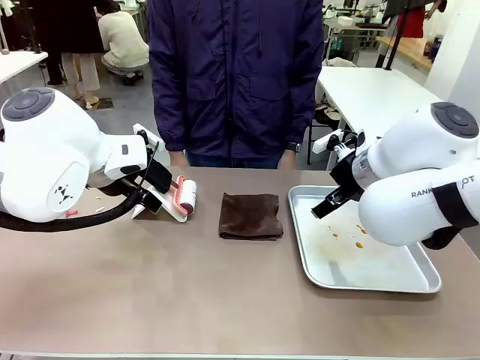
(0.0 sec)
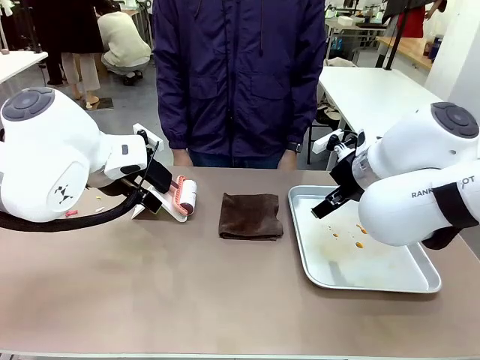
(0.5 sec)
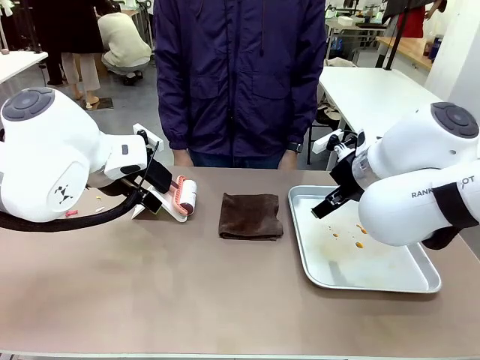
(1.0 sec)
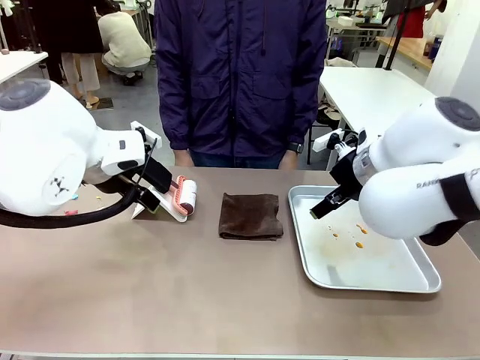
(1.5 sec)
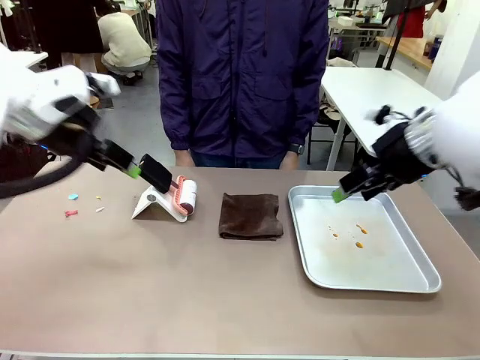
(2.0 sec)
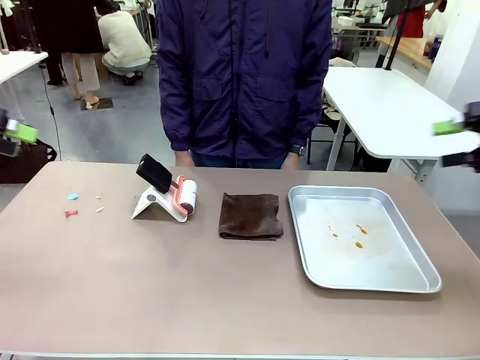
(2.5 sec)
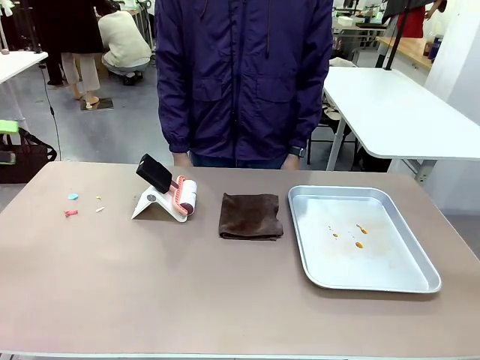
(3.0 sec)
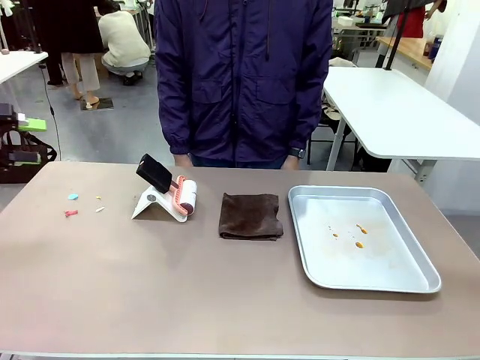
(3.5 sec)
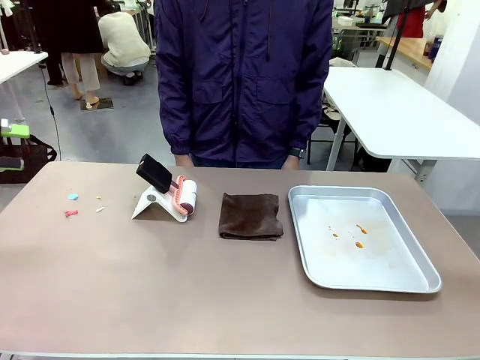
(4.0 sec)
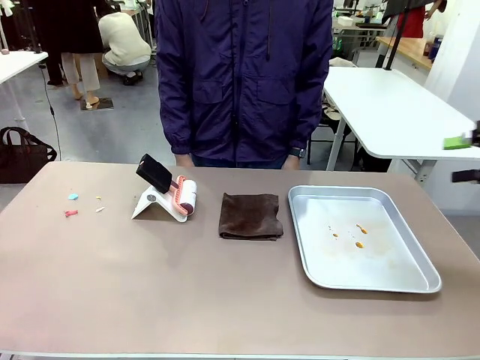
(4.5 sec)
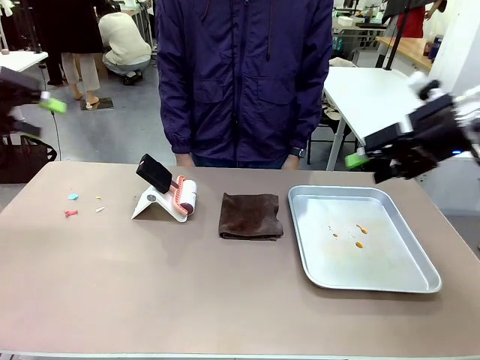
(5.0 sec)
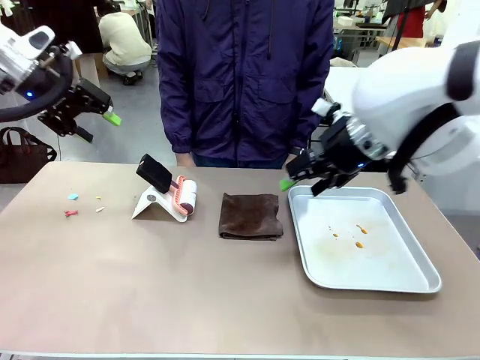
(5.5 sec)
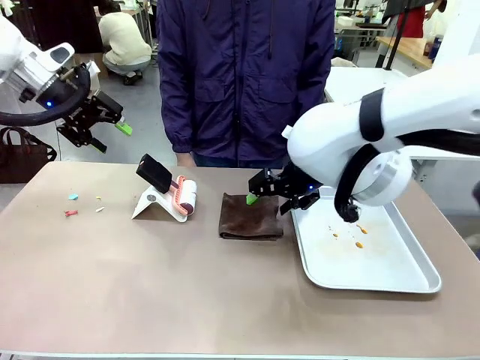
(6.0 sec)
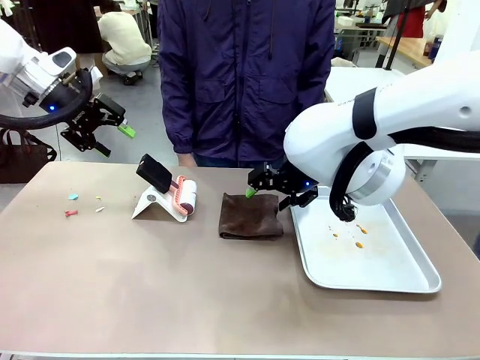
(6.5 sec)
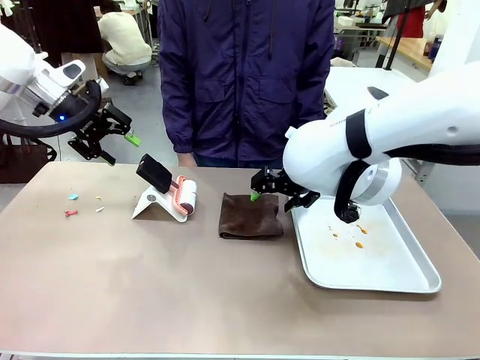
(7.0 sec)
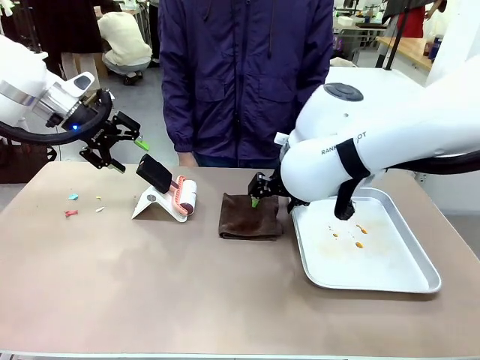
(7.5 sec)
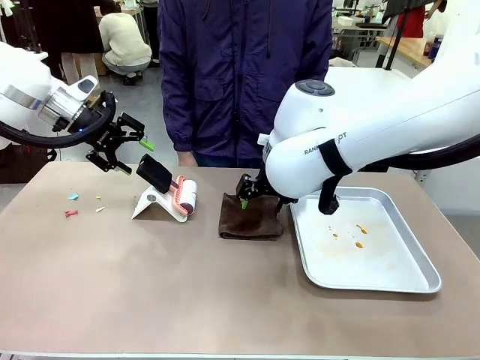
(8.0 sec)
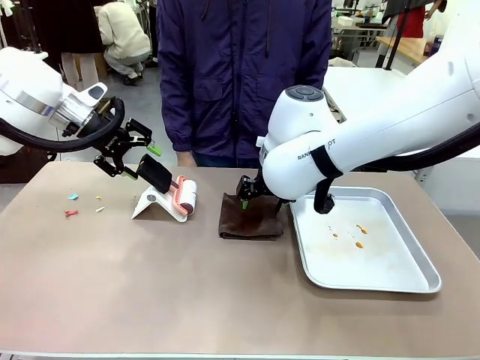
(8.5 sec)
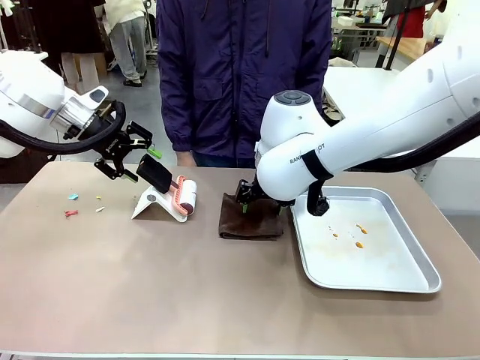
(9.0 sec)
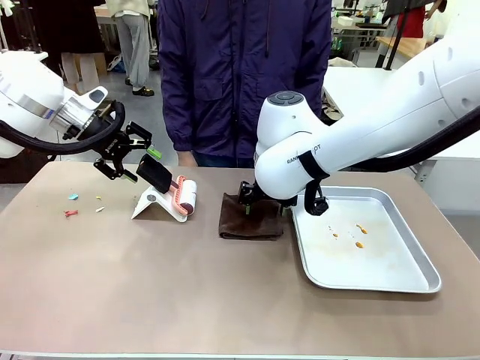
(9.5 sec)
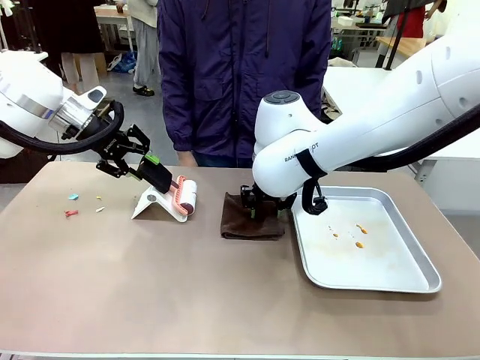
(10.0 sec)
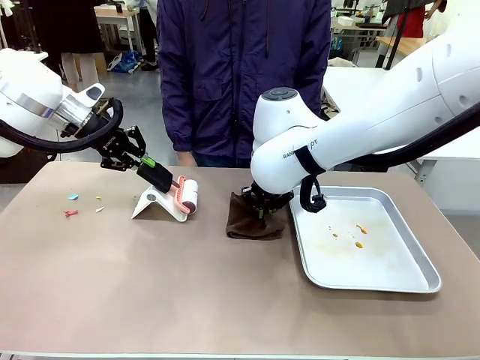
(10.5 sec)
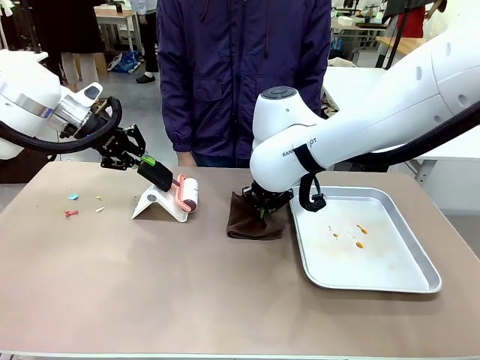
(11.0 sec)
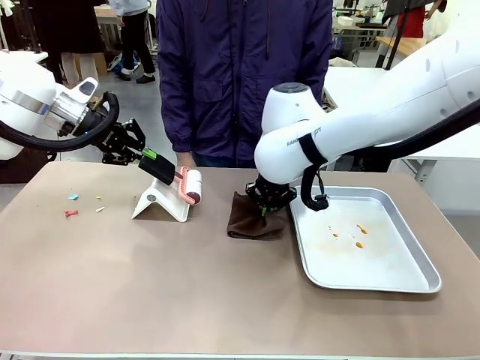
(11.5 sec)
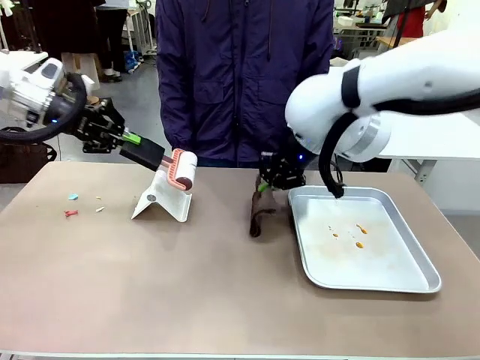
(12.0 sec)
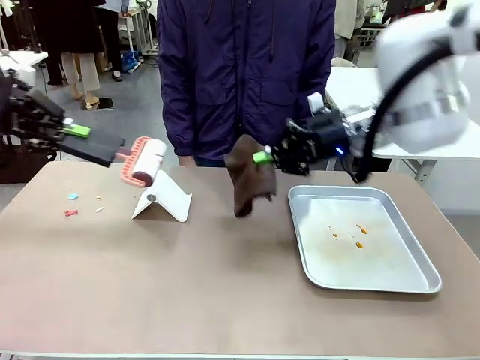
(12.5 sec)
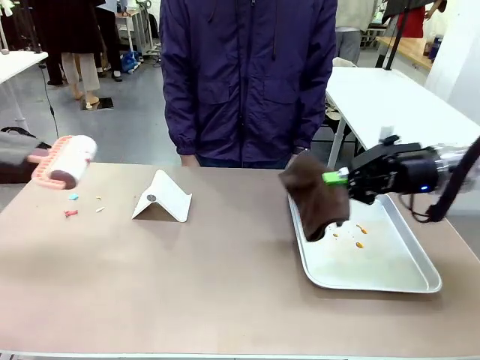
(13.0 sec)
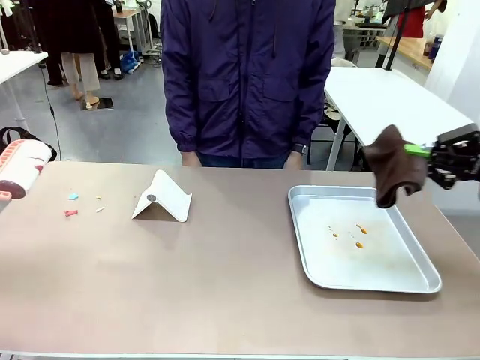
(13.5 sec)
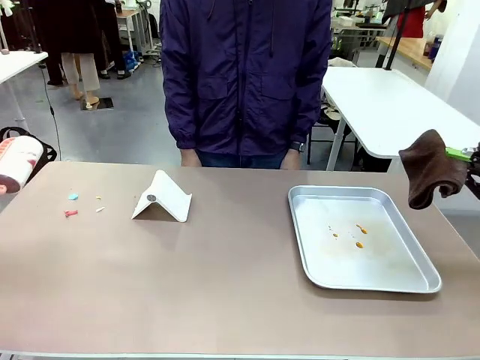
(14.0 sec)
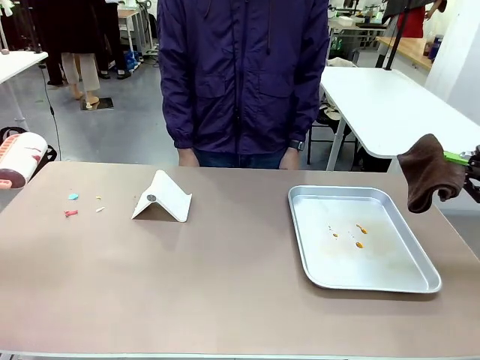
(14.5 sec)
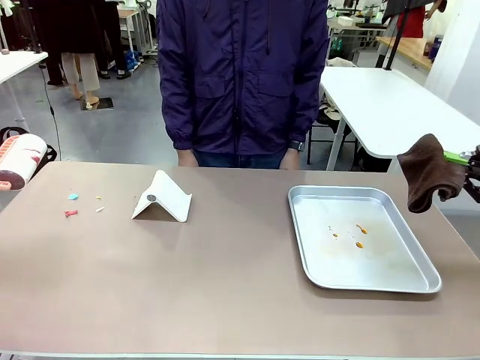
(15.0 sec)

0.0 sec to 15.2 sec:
Task: Clean the surface of the table.
Robot: Hold the Lint Roller with your left hand and the towel with your right hand.

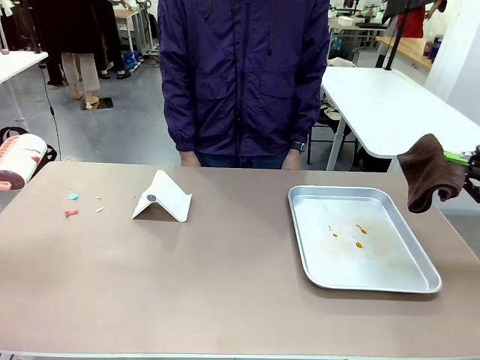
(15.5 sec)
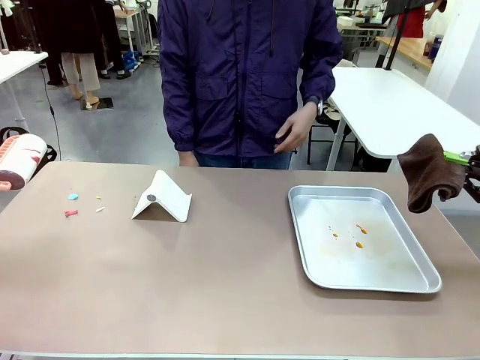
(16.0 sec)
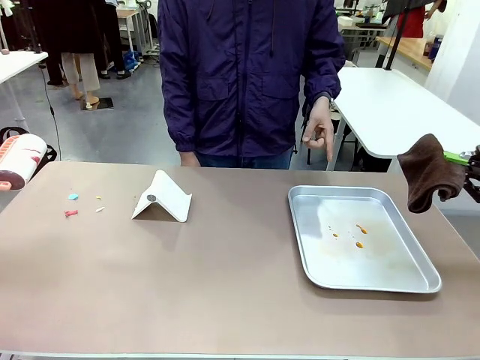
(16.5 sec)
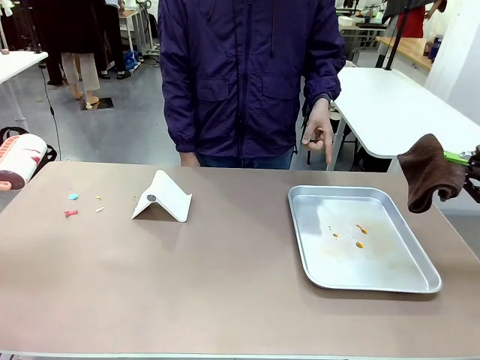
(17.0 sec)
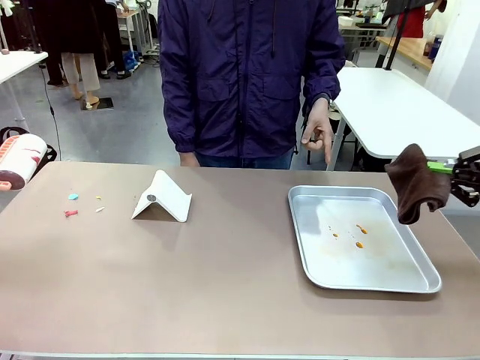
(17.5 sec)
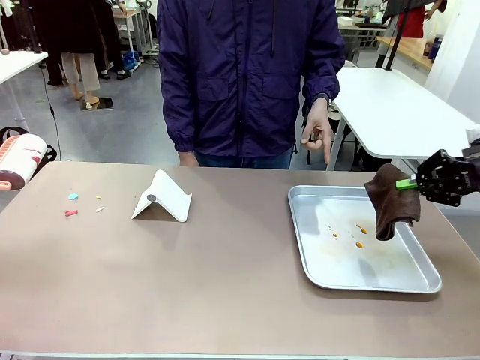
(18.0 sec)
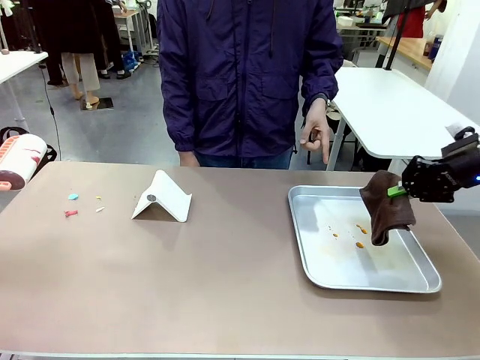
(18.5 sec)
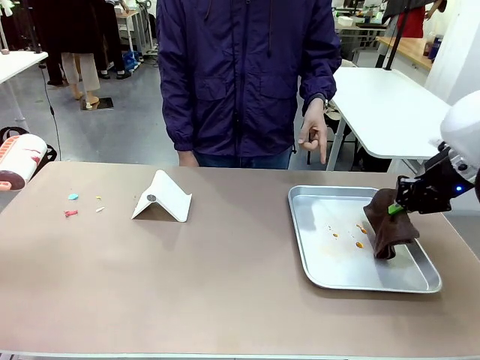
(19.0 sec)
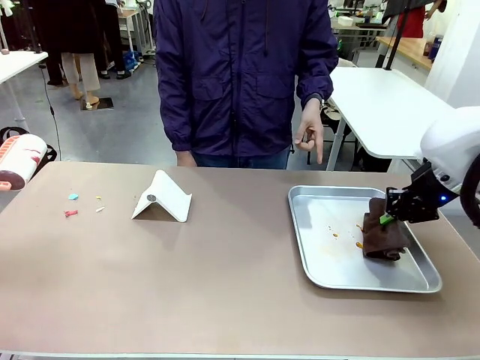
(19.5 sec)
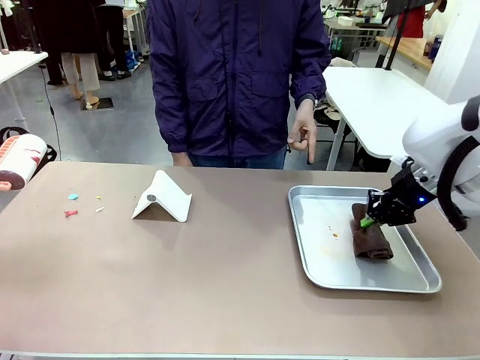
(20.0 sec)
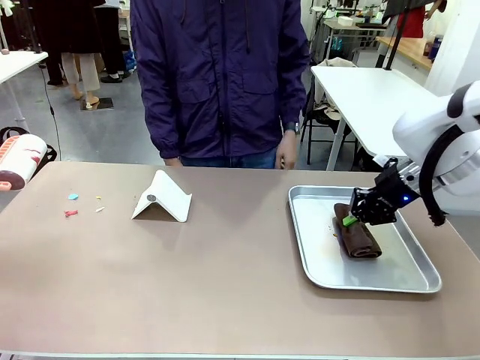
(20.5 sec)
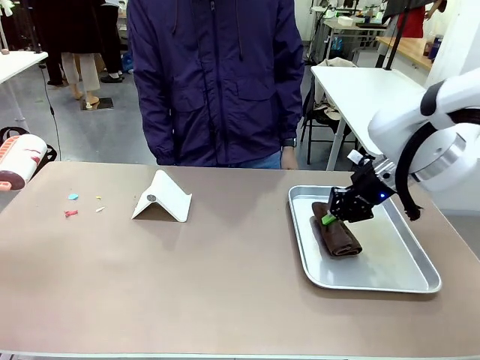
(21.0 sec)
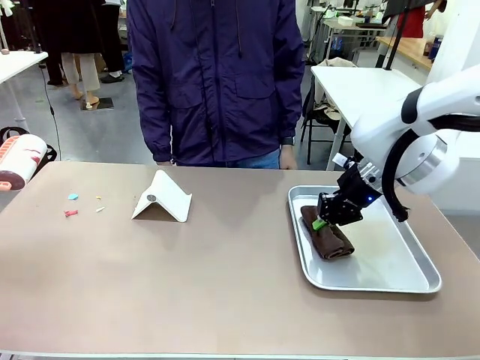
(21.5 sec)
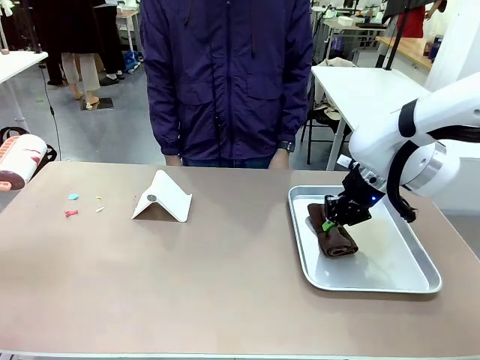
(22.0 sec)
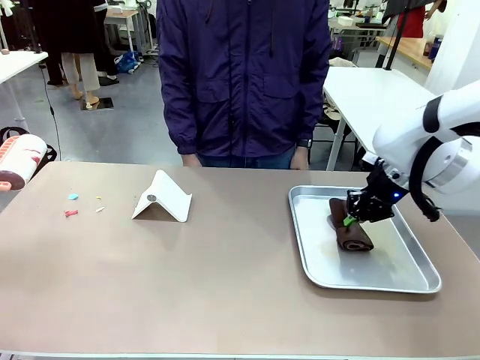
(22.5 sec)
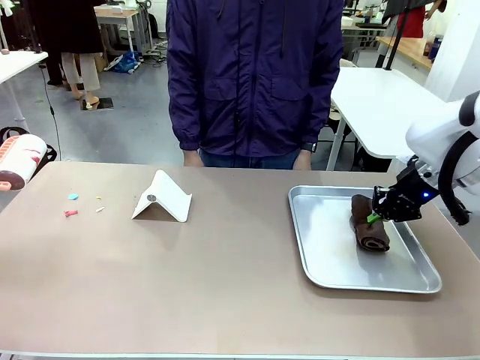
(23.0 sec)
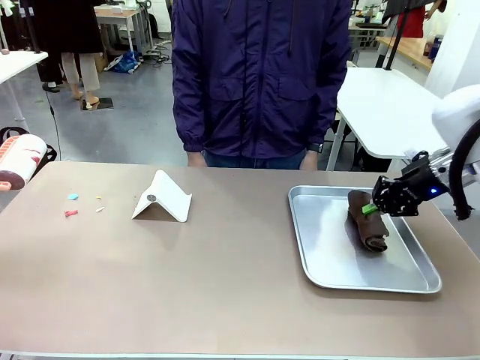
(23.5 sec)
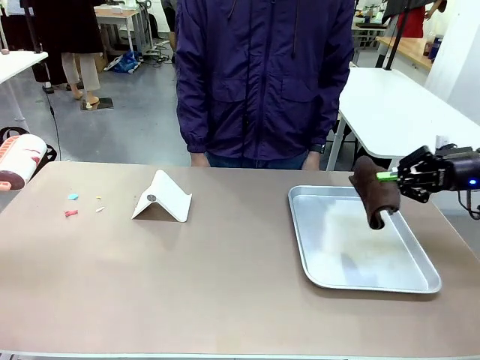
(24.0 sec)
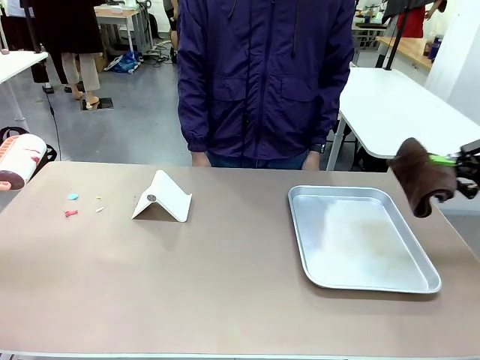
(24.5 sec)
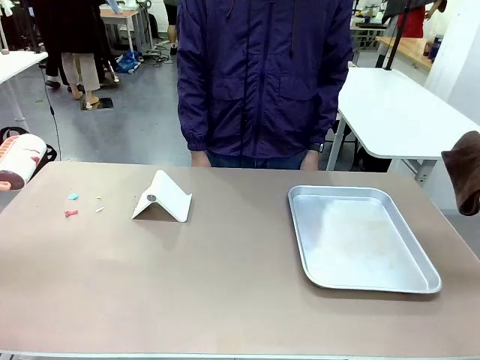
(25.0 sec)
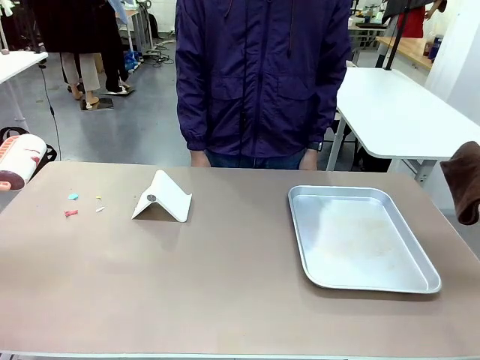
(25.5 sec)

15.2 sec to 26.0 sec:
Robot: If a person points to the right, clean the right side of the table with your right hand, and if they point to the left, clean the left side with your left hand.

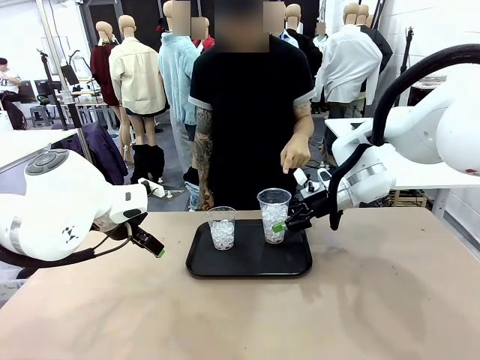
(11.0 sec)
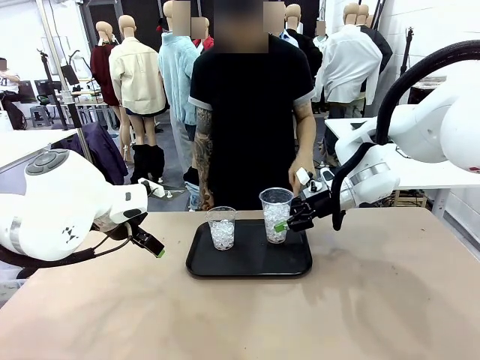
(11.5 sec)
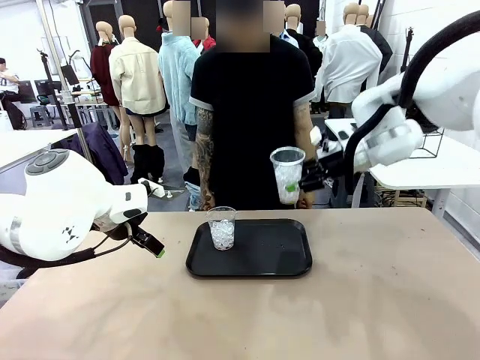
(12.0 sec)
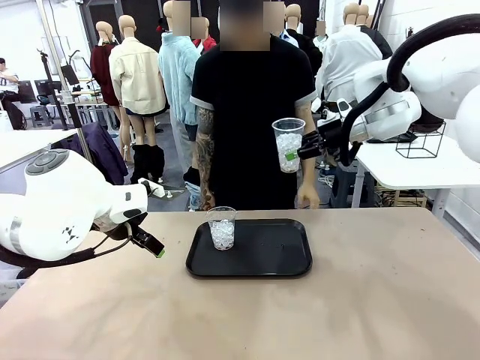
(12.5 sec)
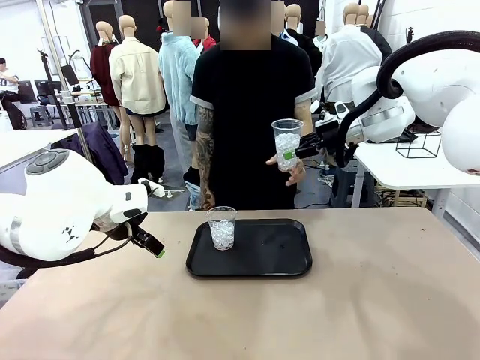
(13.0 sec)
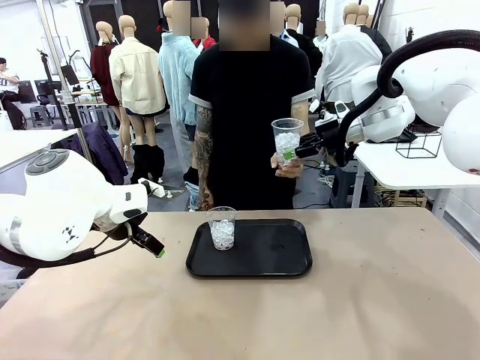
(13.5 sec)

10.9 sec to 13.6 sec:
Task: Pour the drink into the iced cup.
Robot: Open the gripper to release the iced cup you were holding.
